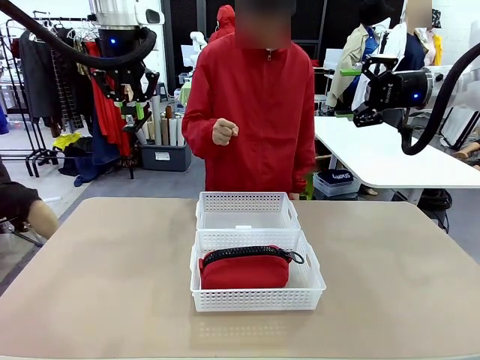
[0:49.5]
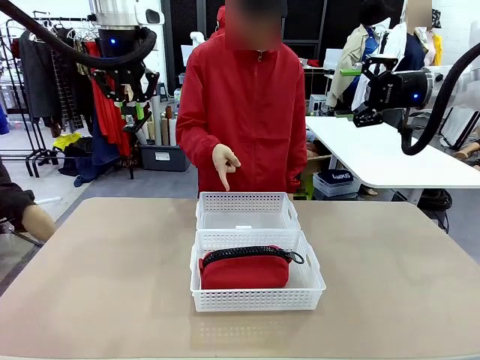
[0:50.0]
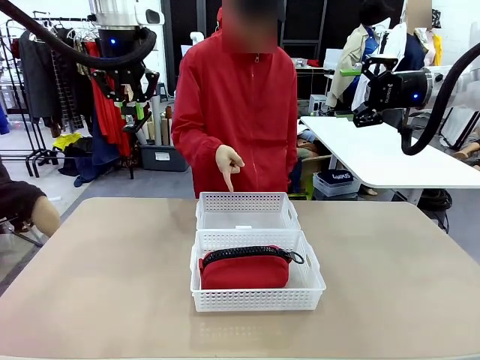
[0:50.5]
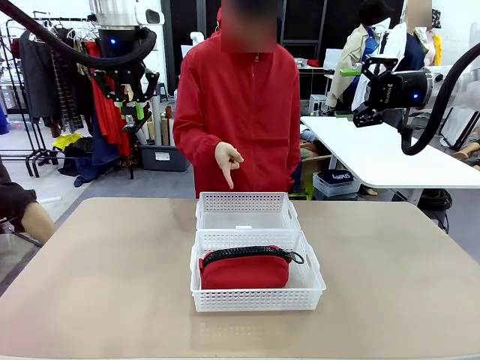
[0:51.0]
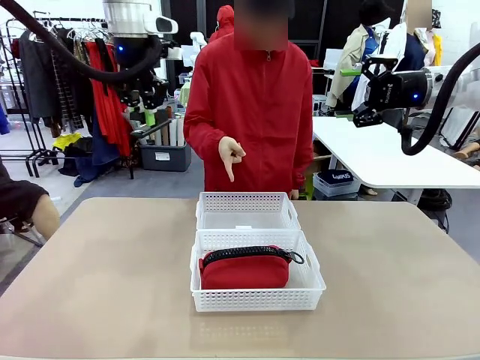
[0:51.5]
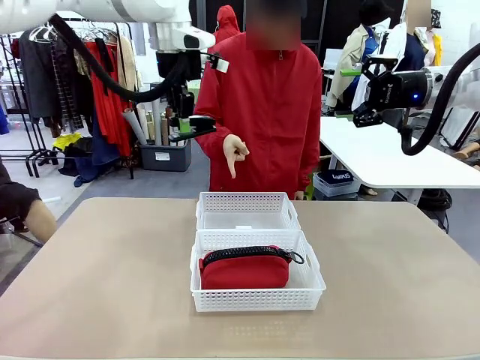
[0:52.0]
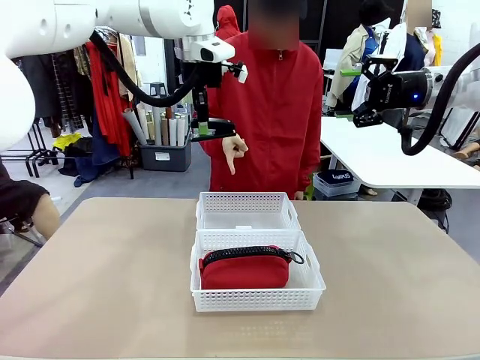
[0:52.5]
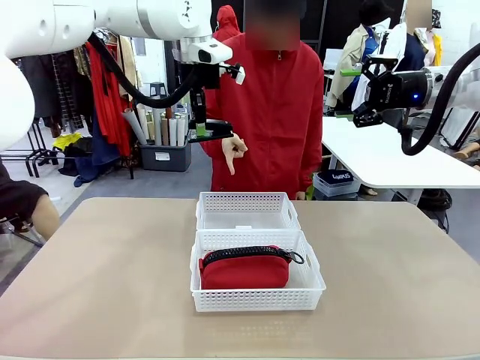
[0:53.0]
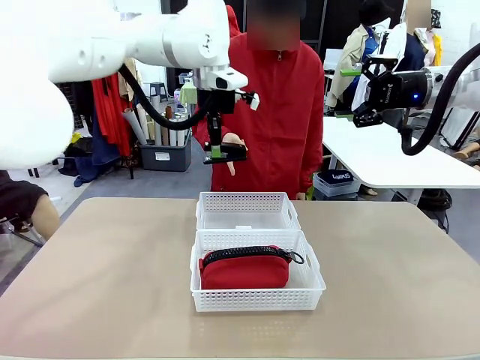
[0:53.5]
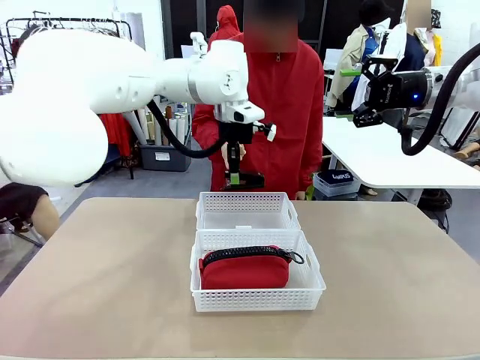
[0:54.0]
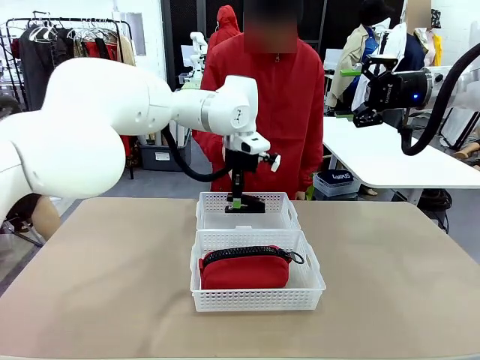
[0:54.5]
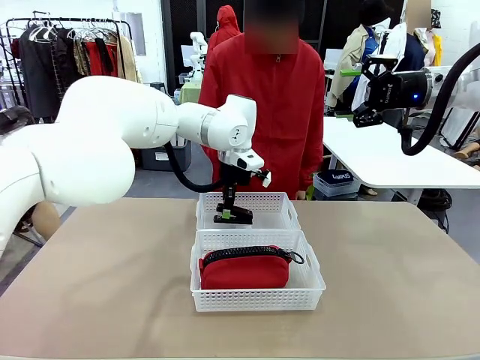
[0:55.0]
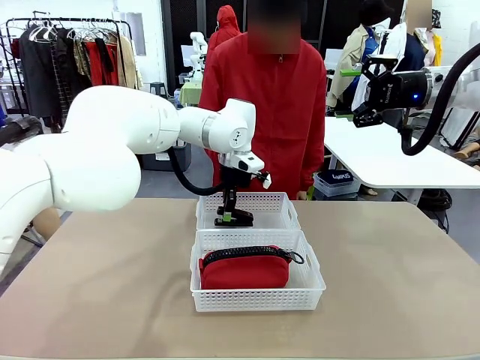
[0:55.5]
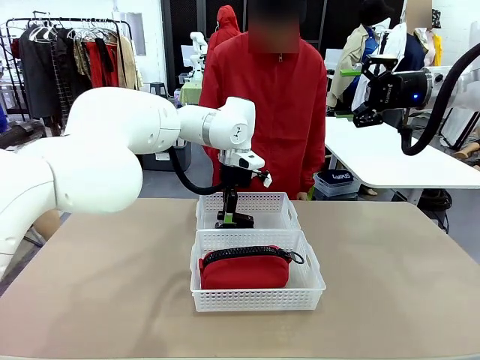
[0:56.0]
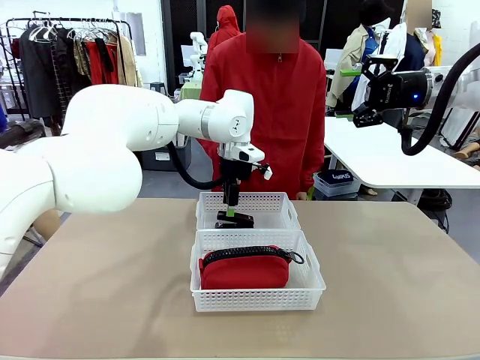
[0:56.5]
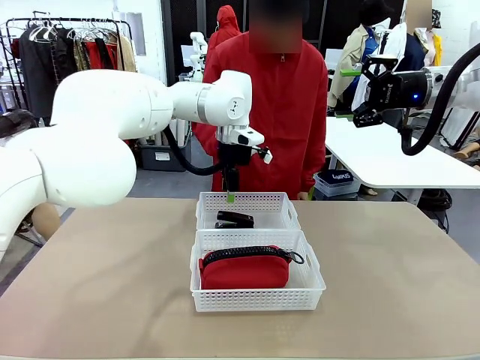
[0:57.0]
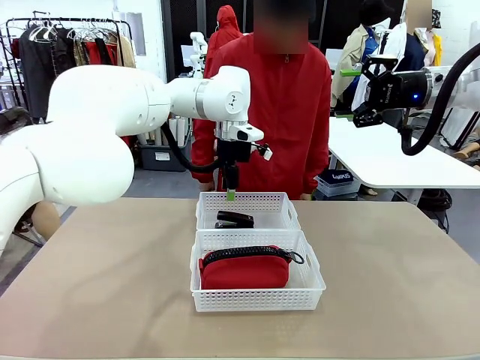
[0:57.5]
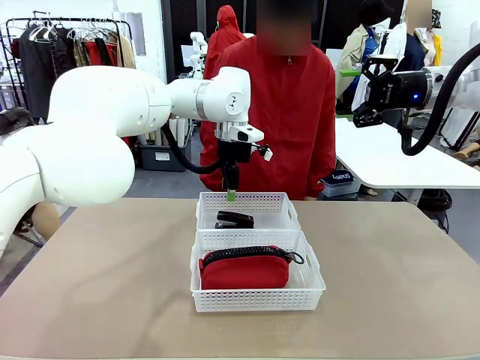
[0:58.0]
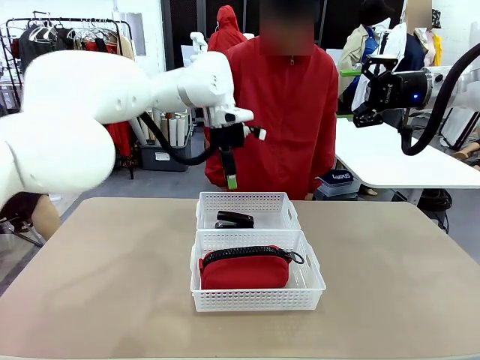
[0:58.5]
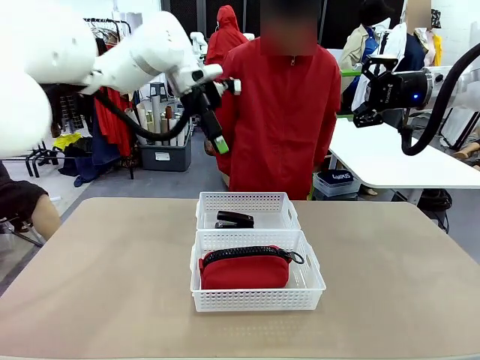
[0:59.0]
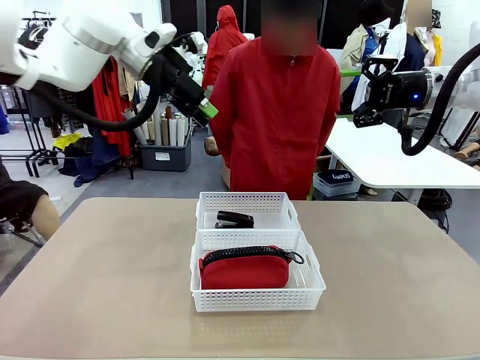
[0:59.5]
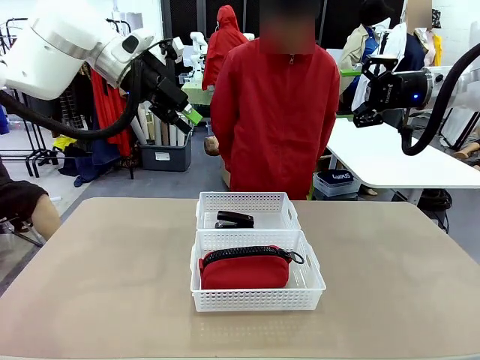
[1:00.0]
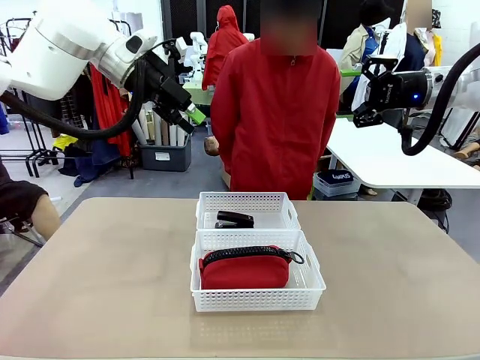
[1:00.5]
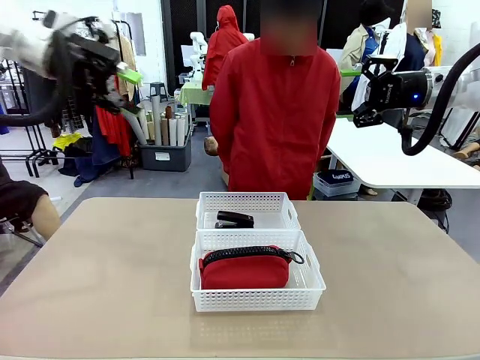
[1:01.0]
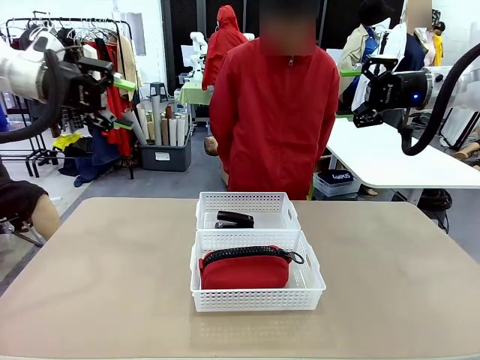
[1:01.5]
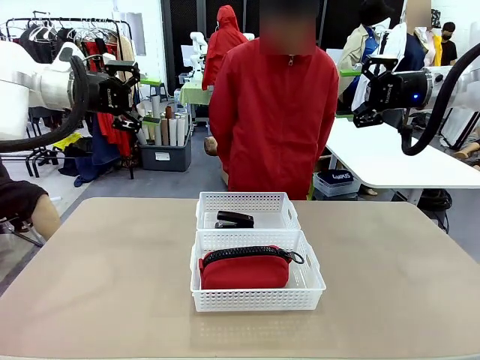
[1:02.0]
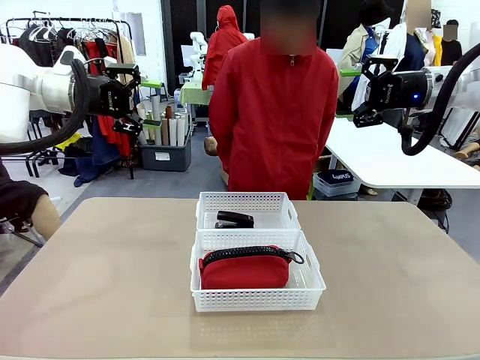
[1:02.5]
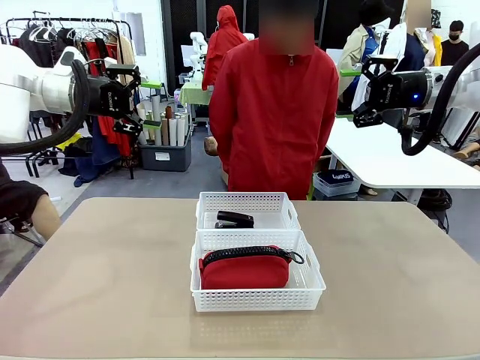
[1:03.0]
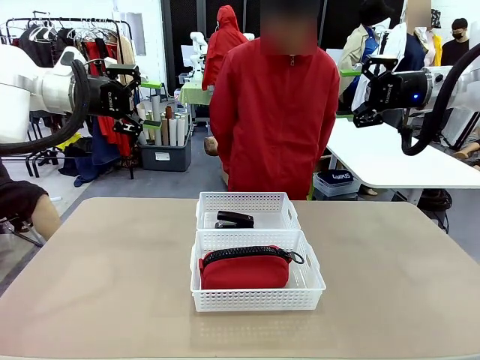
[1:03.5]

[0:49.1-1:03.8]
Task: Distribute items into two baskets.
Robot: Place the picked Stapler into the Organizing basket as instructed by the person.
Person: Points to the basket that does not contain the pencil case and instructs the robot to move the stapler there.

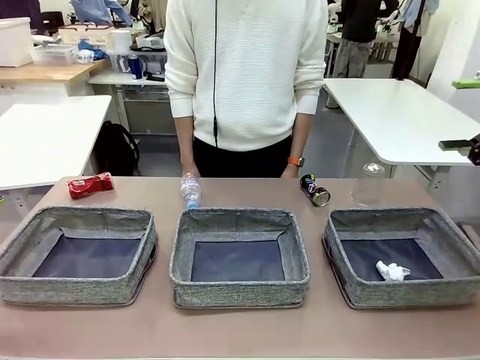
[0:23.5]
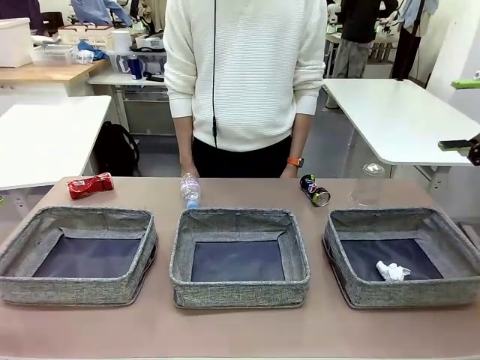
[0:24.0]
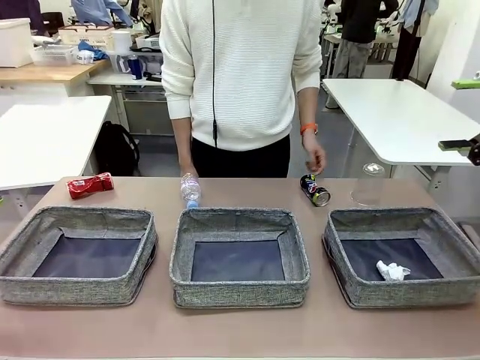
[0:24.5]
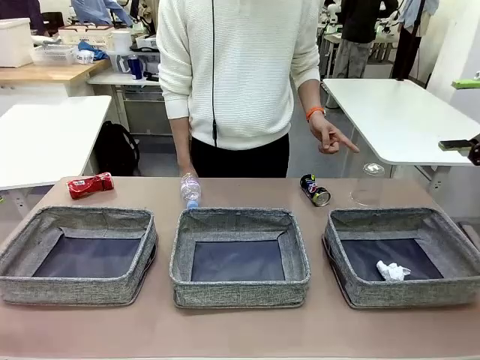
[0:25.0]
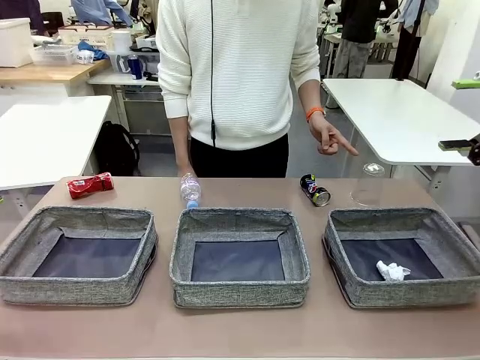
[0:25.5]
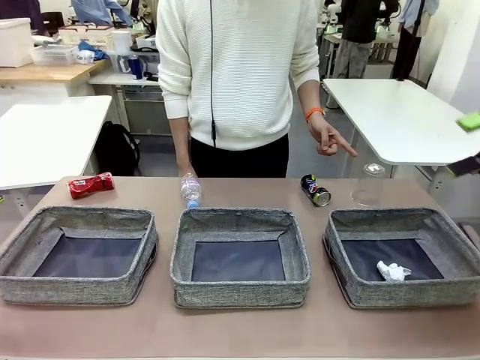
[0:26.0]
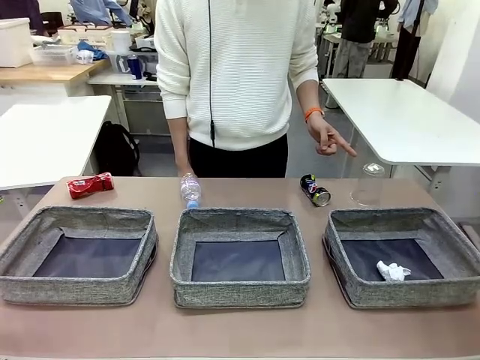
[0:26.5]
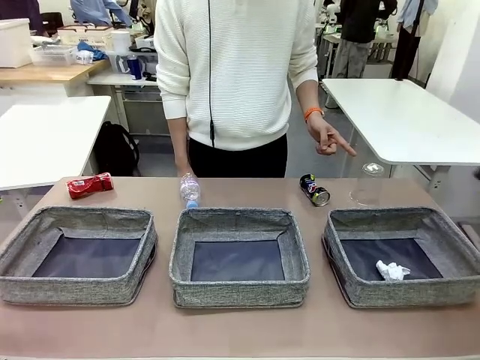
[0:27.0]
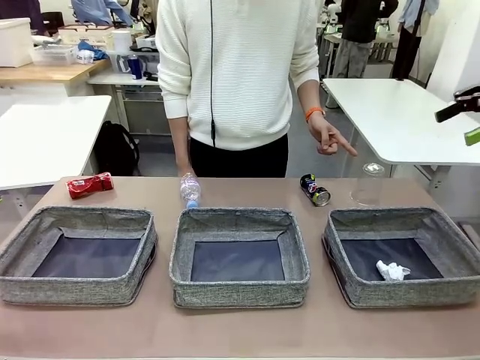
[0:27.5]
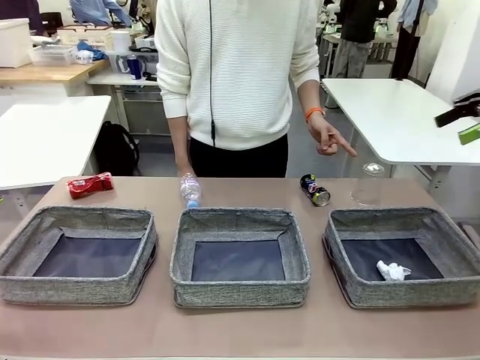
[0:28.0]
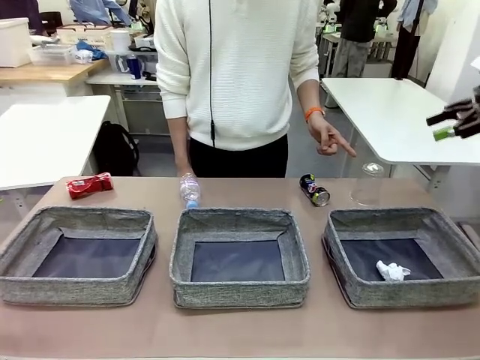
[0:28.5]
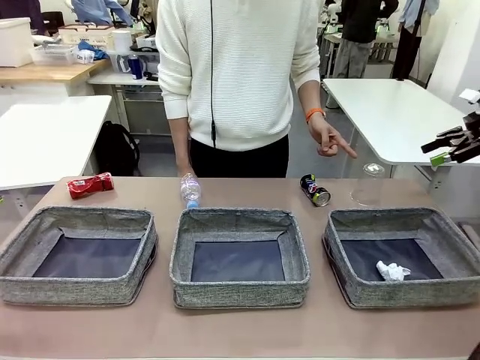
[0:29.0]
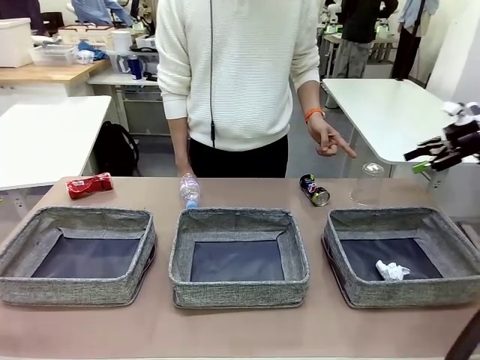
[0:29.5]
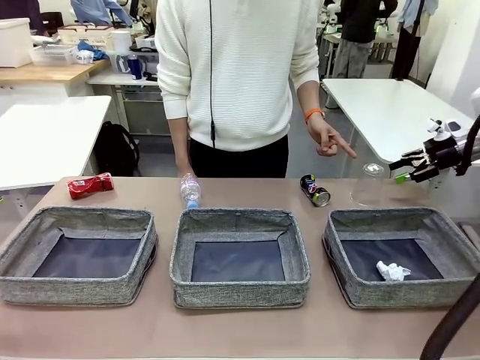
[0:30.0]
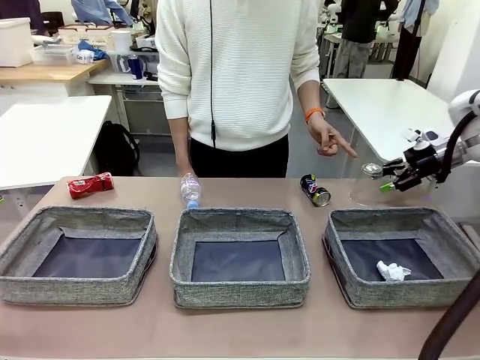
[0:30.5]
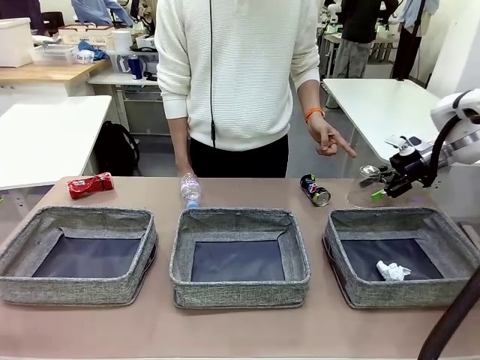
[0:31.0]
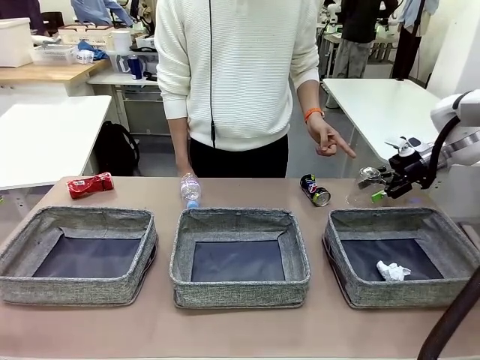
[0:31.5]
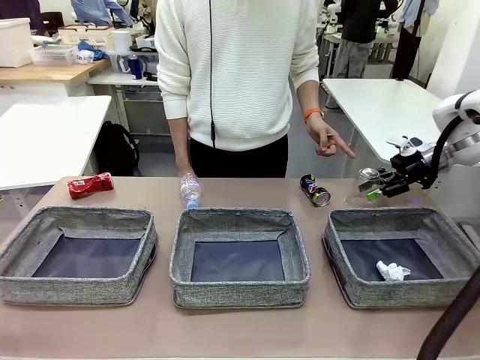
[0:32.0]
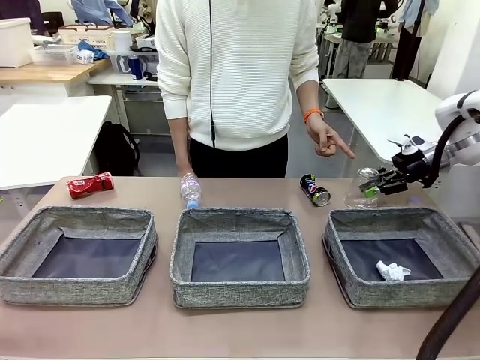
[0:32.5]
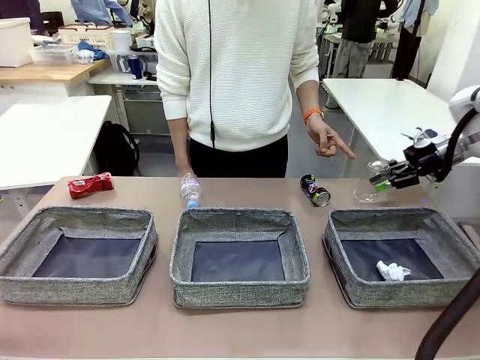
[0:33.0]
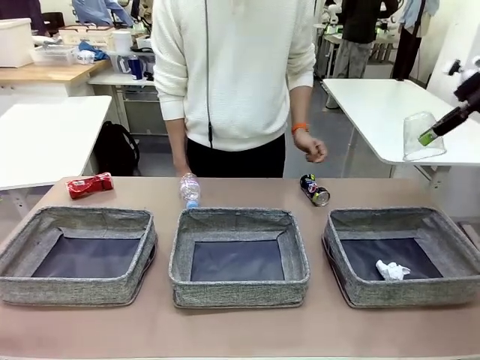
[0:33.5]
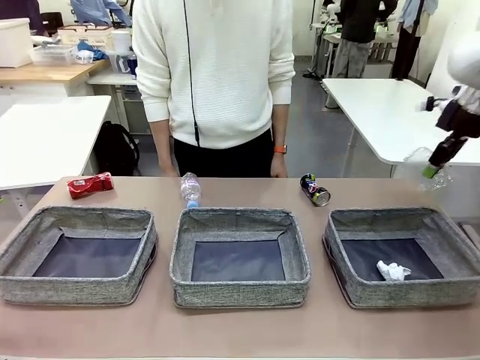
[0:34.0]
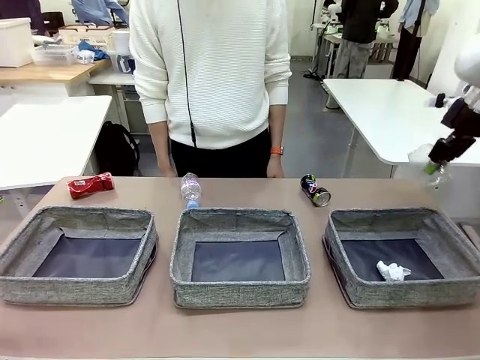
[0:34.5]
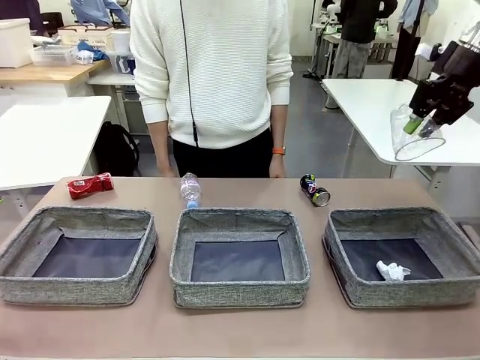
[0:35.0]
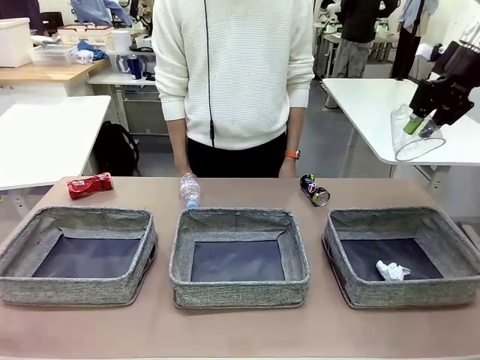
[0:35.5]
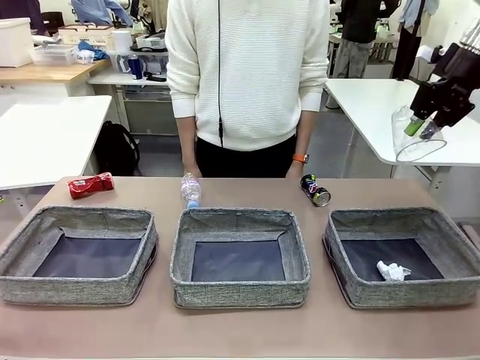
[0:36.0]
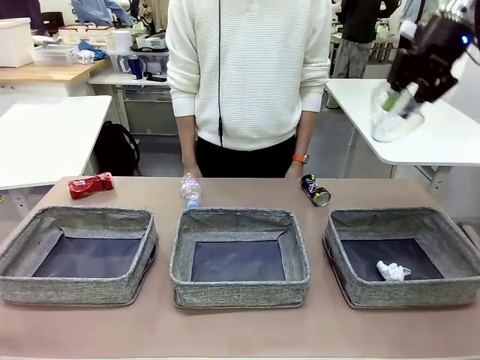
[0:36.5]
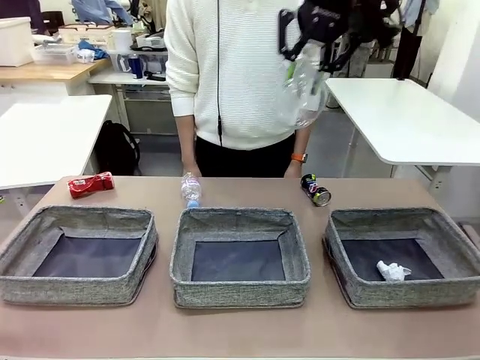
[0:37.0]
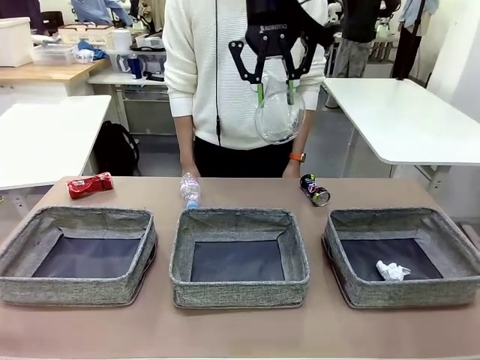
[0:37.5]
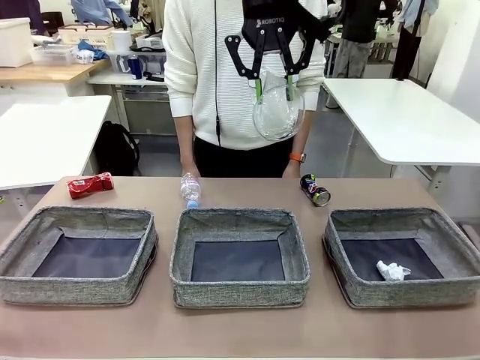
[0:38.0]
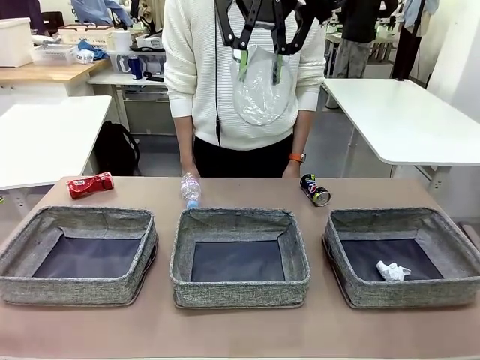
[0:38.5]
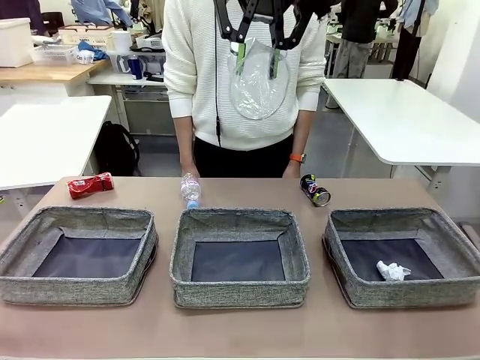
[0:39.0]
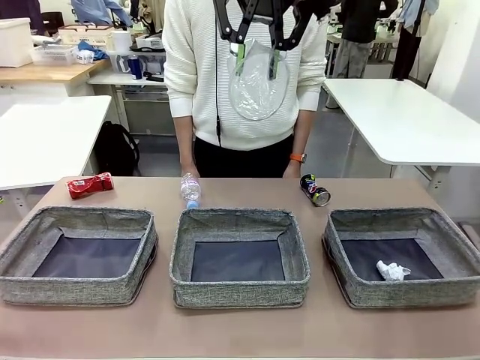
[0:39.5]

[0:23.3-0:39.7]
Task: Sort the waste into the appropriate baskets.
Robot: Pick up the waste item pointed out by the person.
Person: Points to one piece of trash on the table.
